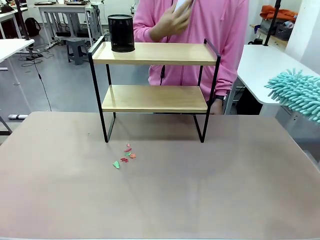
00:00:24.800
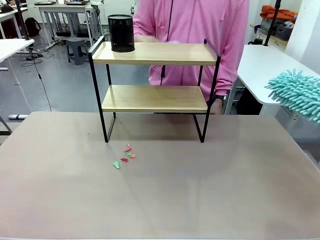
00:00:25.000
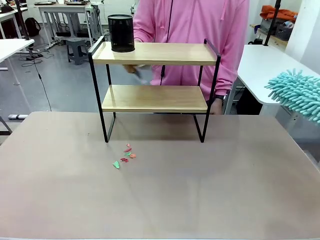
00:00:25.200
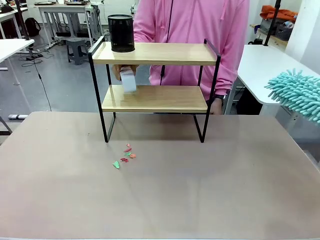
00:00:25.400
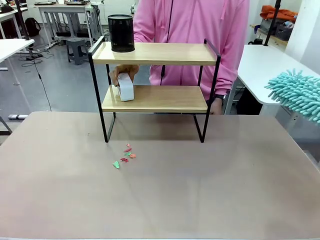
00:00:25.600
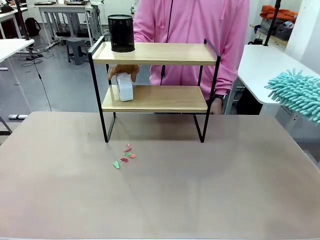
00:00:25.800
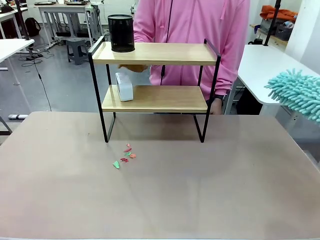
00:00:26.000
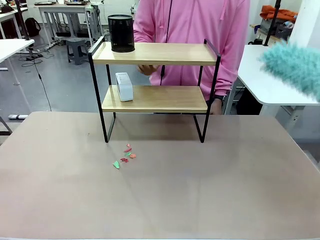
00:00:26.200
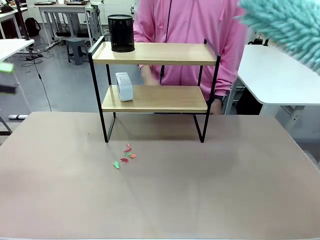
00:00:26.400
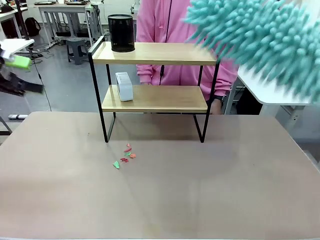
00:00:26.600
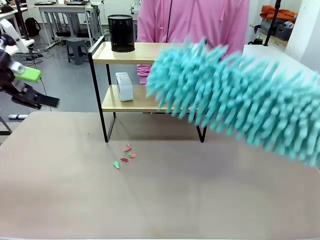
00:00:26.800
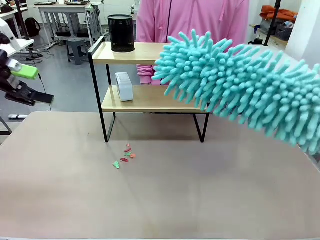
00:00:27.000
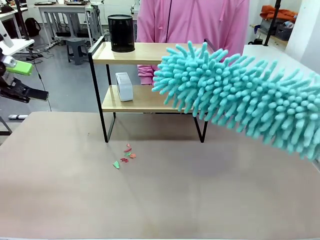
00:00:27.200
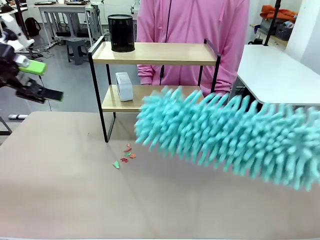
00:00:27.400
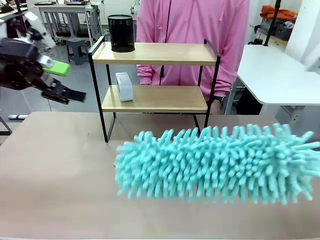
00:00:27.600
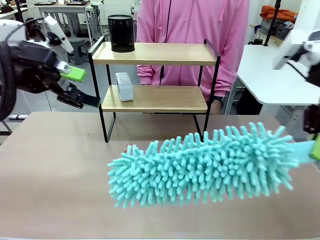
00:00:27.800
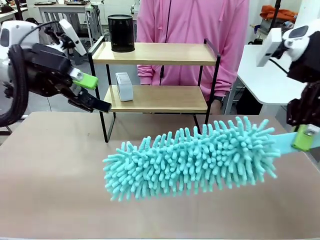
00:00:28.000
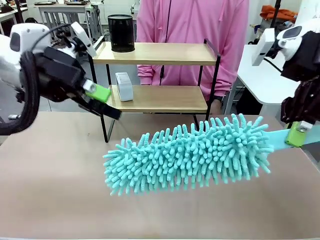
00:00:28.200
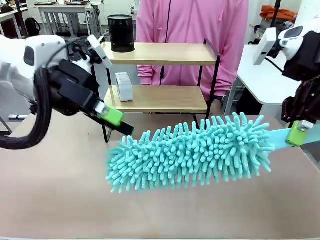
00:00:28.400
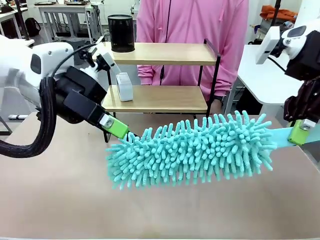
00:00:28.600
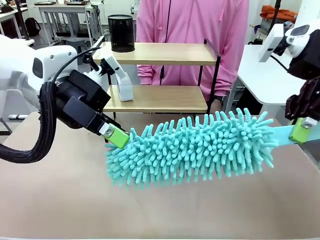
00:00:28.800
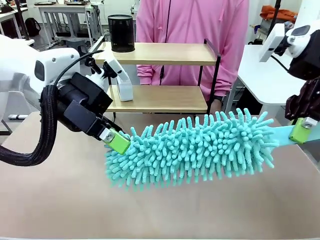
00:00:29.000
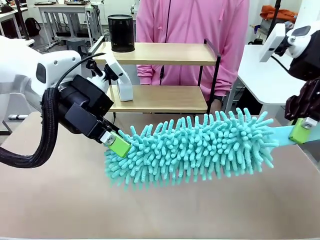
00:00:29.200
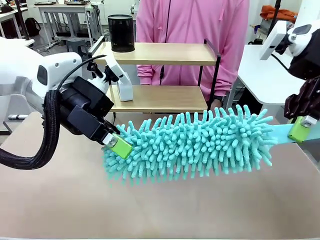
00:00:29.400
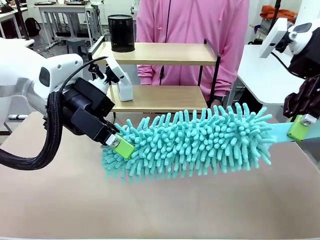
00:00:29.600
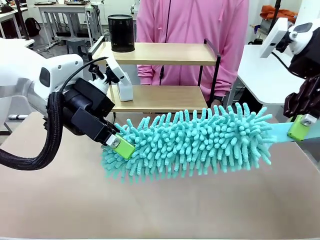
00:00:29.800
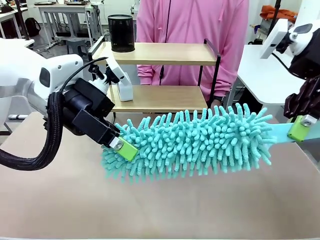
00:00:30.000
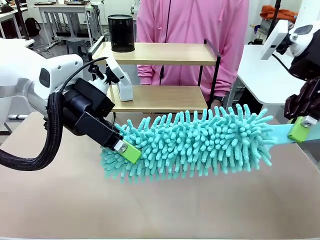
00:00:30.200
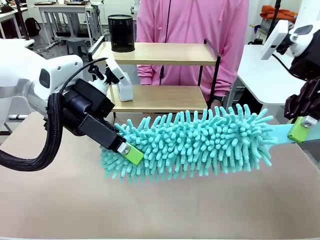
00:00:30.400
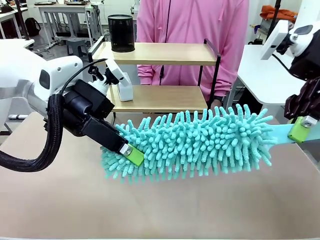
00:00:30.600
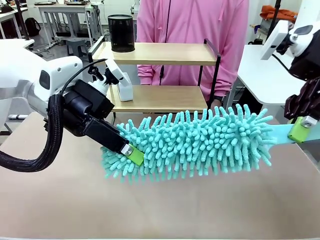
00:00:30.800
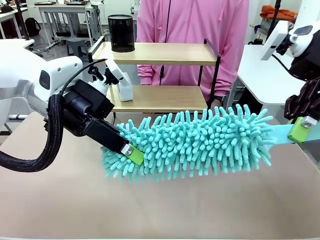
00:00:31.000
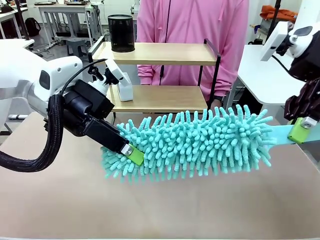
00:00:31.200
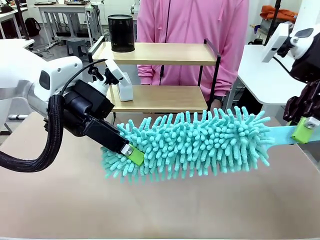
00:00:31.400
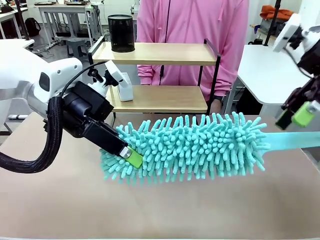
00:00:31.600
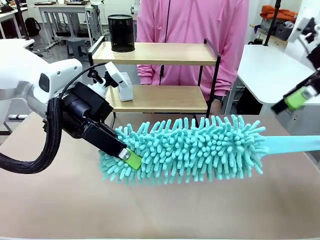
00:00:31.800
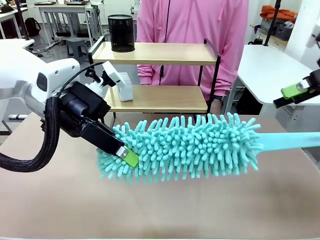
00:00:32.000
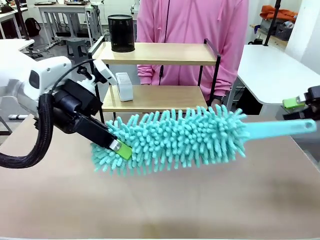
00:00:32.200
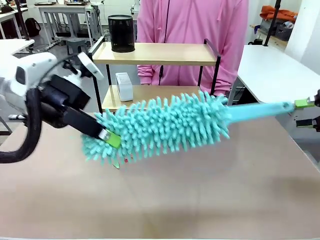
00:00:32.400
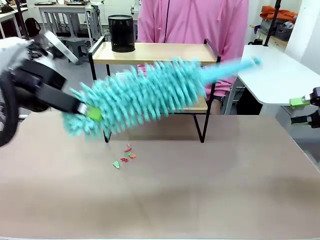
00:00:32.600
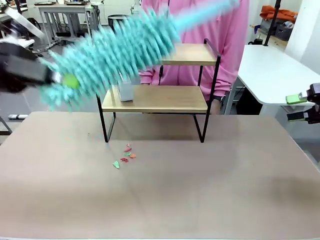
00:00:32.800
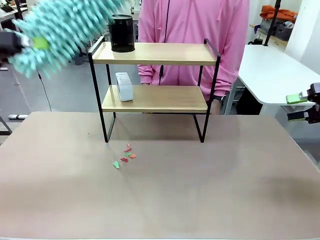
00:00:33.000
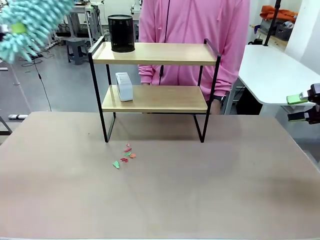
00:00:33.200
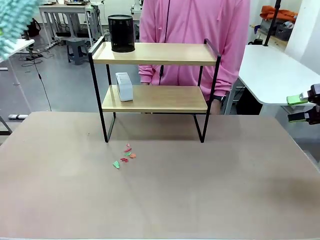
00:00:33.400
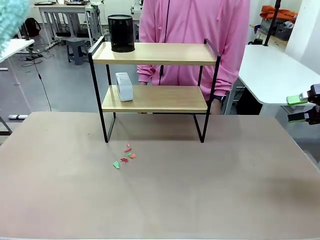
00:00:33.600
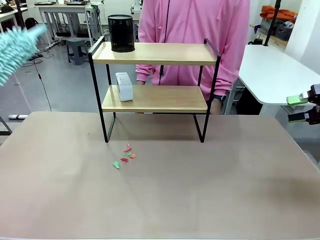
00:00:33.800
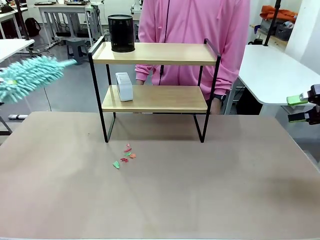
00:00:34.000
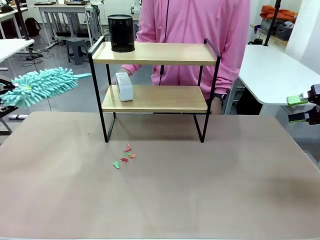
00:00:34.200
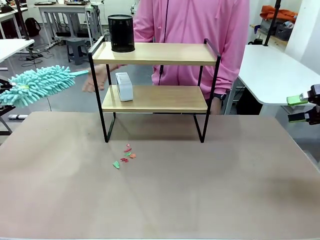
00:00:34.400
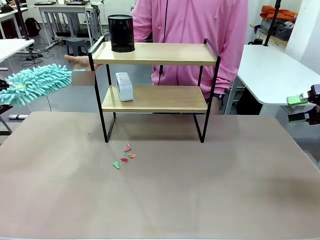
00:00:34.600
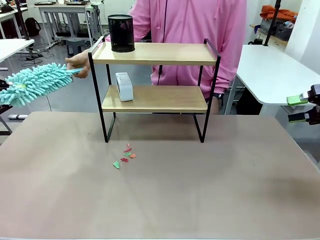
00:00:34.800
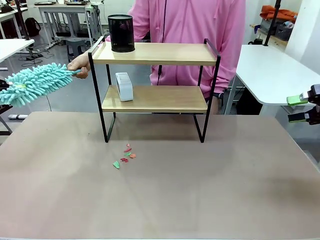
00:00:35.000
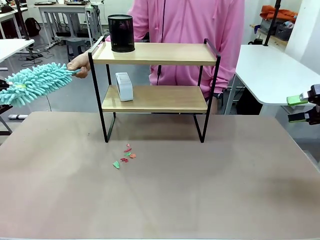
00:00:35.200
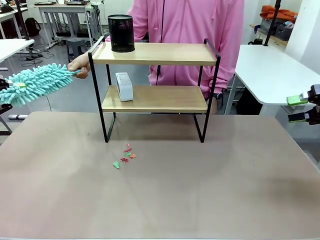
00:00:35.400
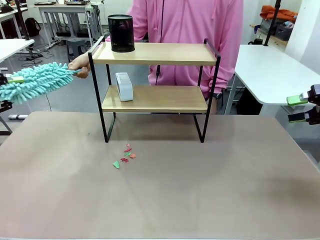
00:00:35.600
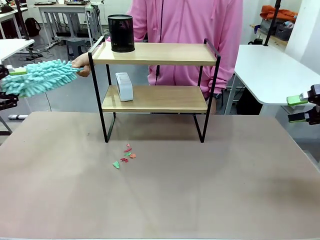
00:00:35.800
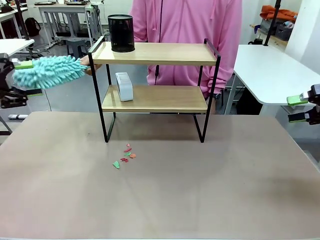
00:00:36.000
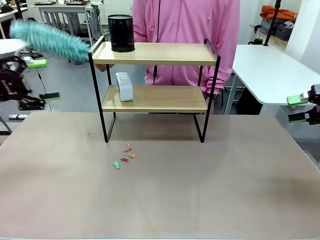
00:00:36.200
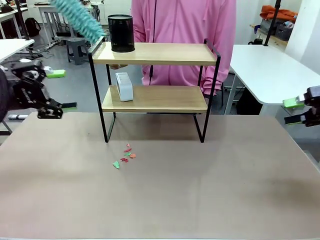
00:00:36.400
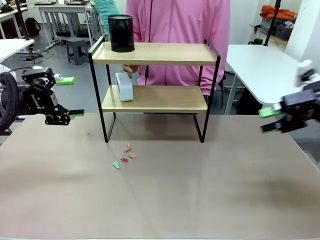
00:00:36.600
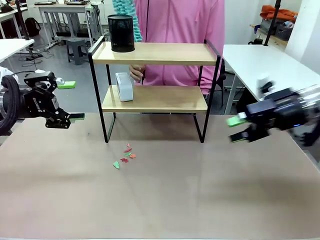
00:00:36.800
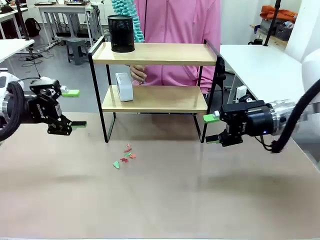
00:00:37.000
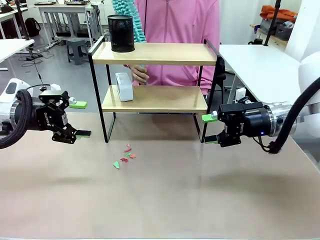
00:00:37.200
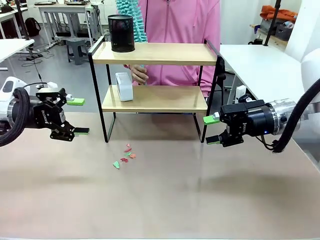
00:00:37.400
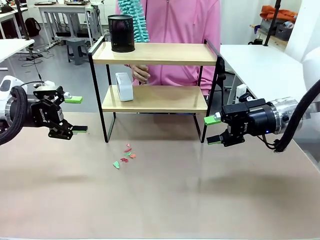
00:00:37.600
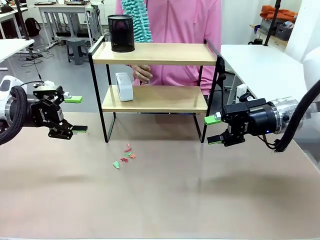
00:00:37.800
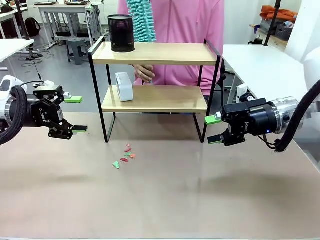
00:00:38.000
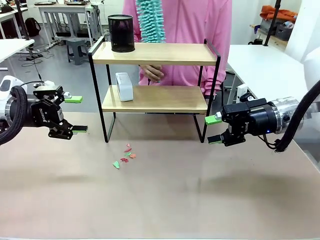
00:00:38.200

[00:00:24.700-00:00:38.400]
Task: Clean the shelf.
Robot: Hand the Duster back to the human.
Person: Receive the Duster from the robot.

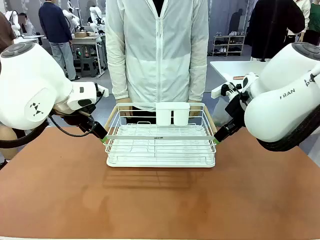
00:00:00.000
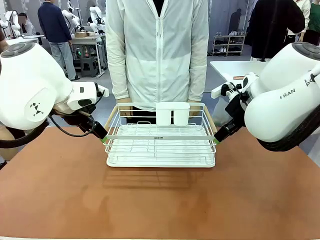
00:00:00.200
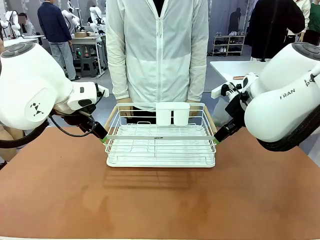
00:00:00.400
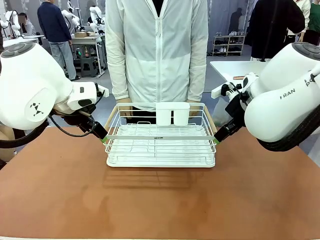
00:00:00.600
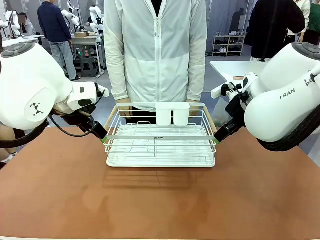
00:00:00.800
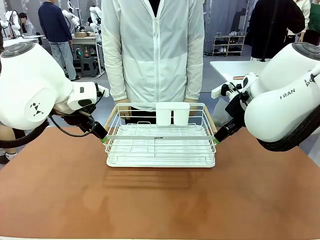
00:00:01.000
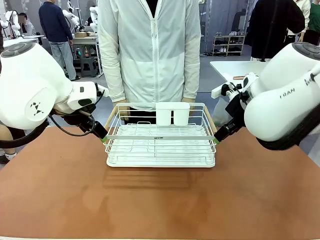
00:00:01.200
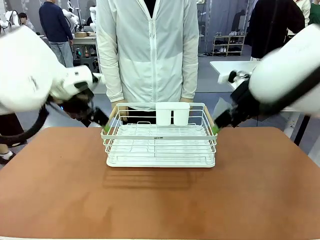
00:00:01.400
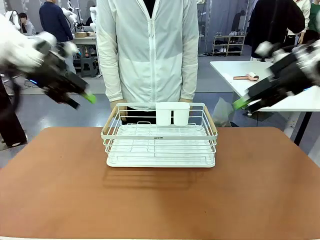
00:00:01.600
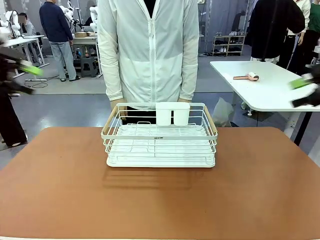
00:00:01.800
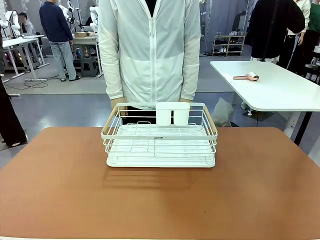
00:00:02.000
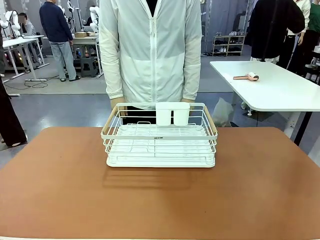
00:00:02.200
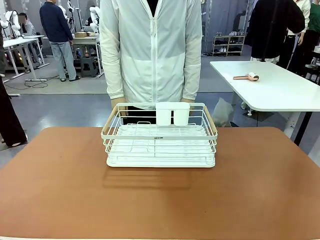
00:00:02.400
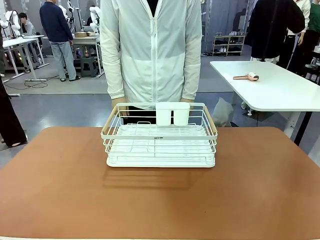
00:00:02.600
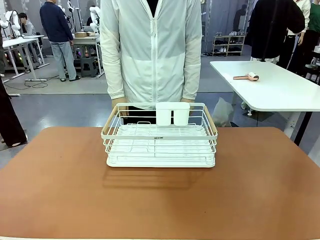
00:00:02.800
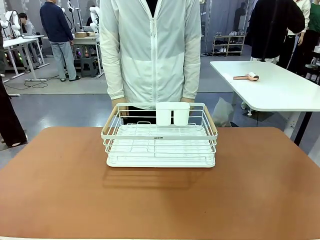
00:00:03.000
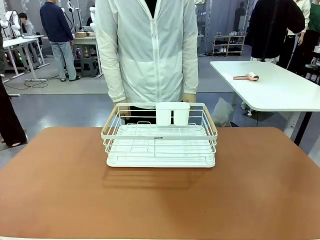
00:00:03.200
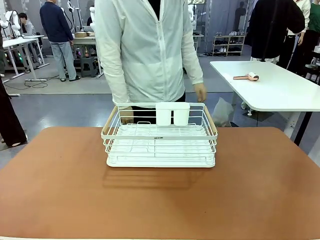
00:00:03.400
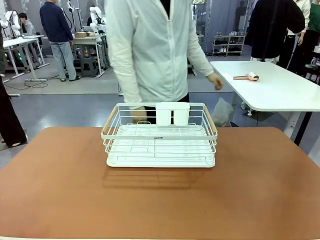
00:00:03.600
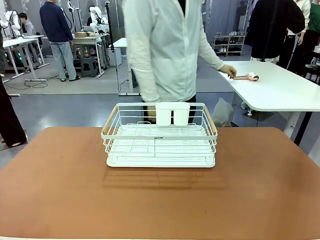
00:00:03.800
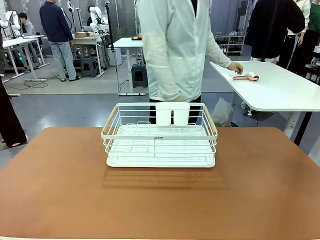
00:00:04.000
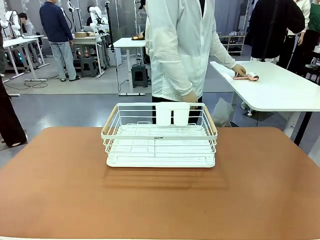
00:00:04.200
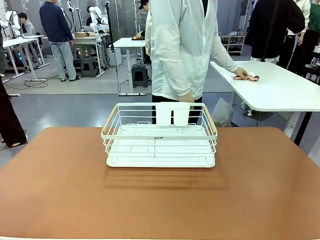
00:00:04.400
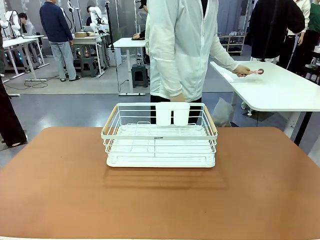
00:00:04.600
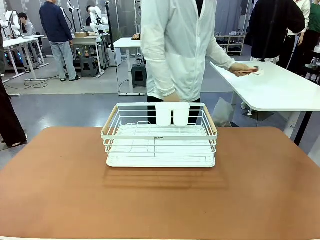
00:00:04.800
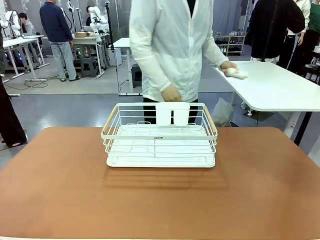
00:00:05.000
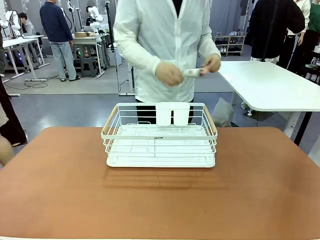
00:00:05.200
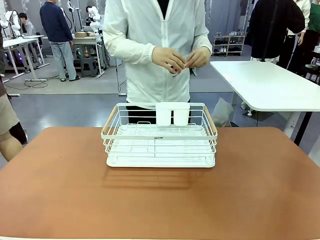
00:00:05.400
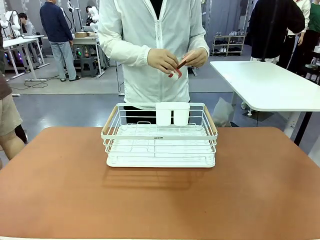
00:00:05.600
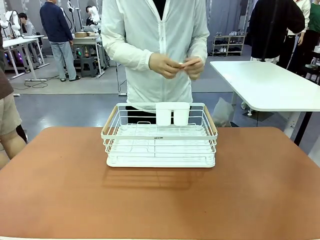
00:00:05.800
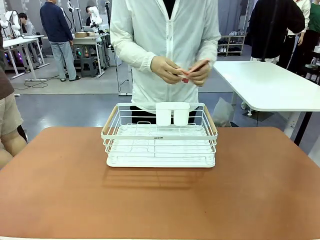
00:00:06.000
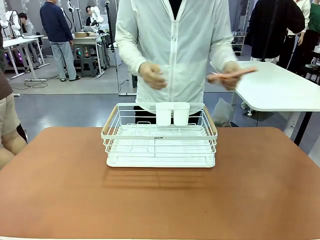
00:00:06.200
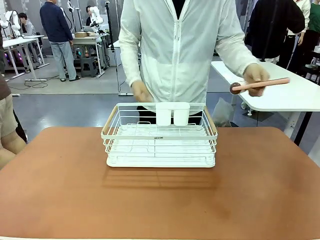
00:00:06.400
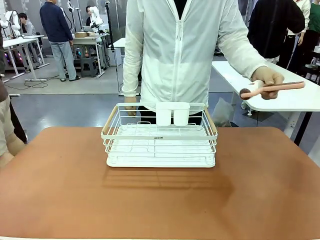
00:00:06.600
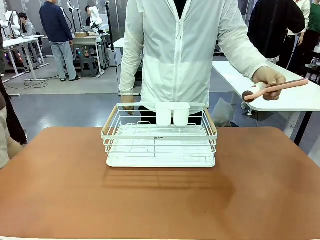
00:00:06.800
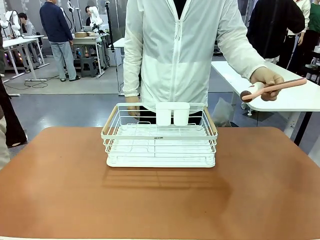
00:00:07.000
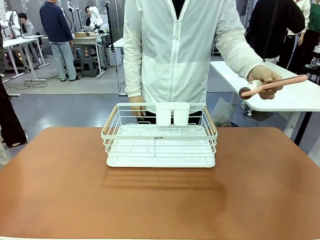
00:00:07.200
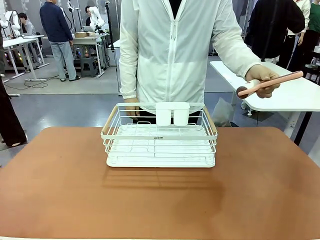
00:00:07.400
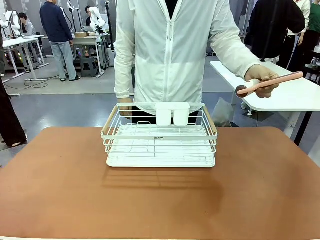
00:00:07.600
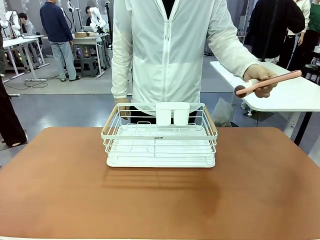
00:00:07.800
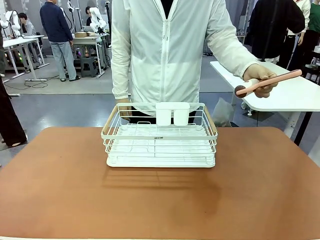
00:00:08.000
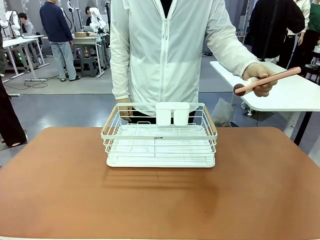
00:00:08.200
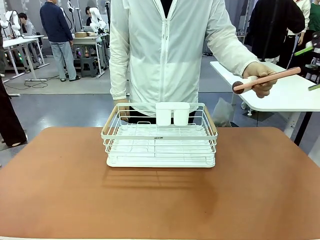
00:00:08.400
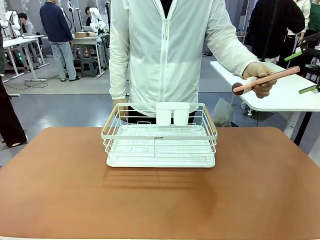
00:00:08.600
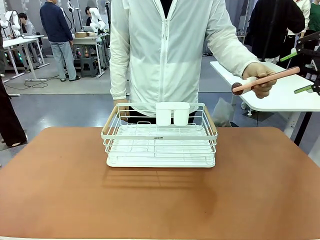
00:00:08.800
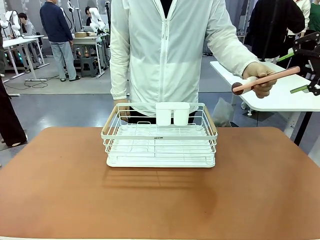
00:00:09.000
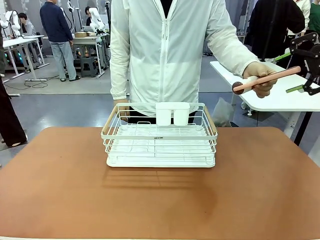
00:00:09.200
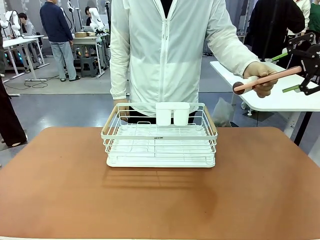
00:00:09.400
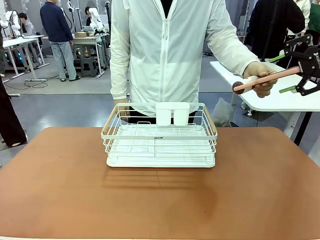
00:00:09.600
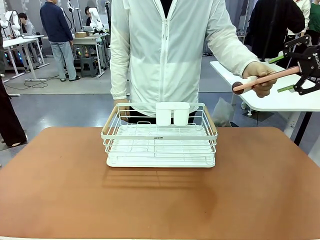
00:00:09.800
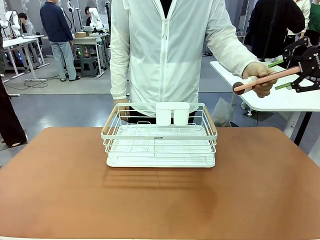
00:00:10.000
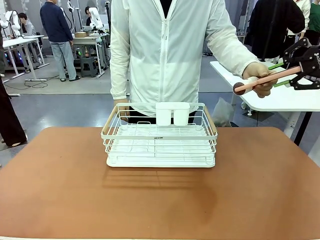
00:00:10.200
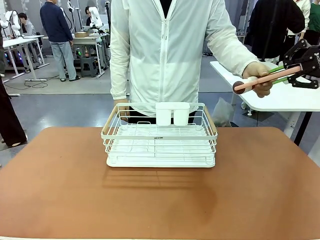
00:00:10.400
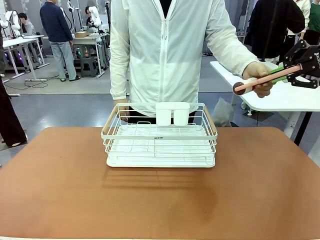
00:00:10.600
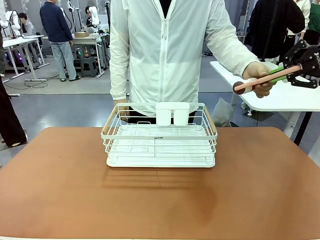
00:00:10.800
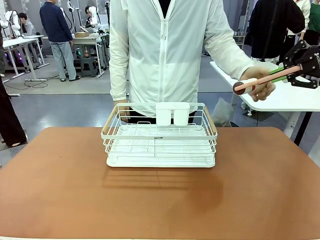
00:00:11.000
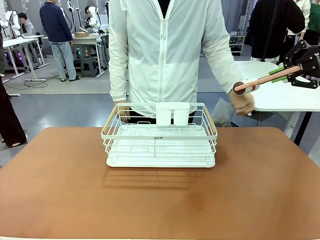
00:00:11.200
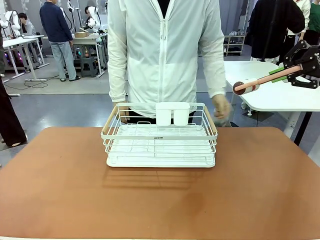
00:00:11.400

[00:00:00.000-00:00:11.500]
Task: Clean the table.
Robot: Pick up the Lint Roller when the human hands it over.
Person: Hand the Lint Roller to the robot so it can easily pick it up. Lift the Dish drying rack.
